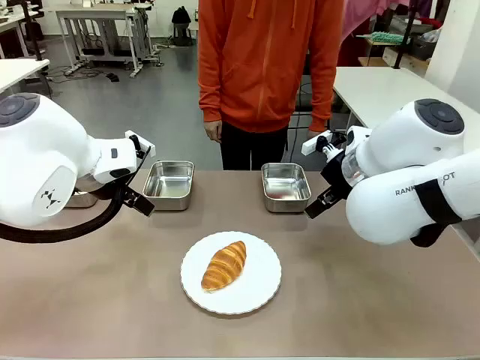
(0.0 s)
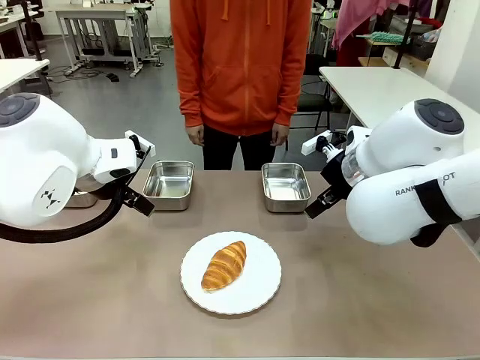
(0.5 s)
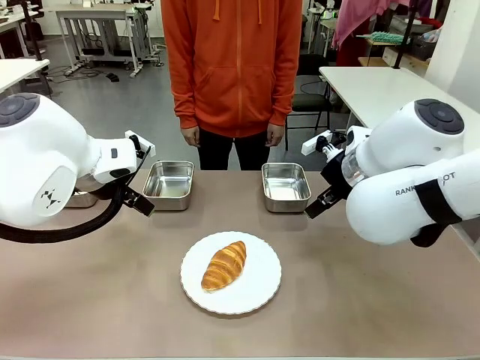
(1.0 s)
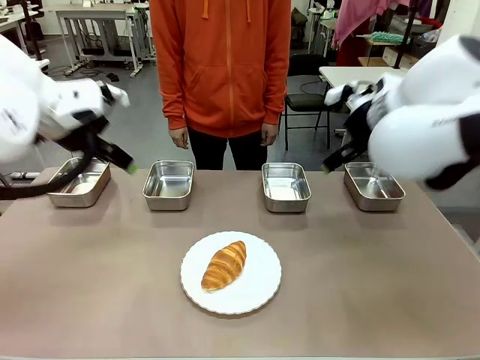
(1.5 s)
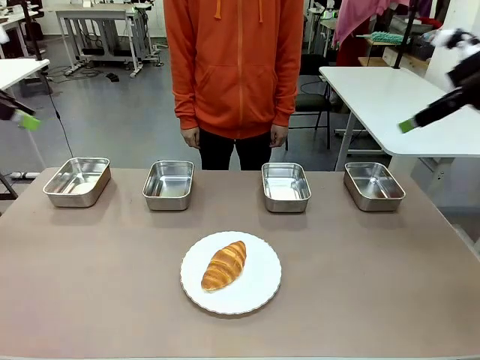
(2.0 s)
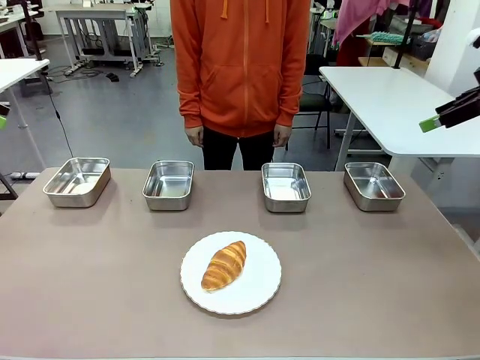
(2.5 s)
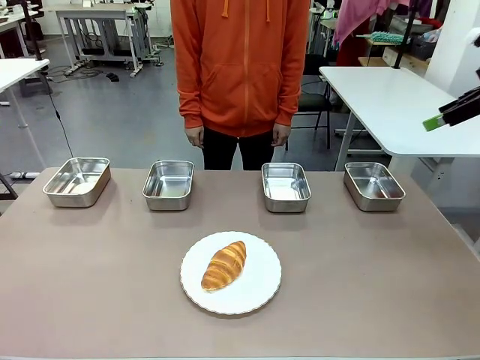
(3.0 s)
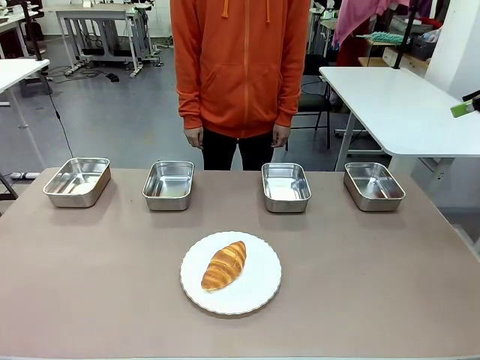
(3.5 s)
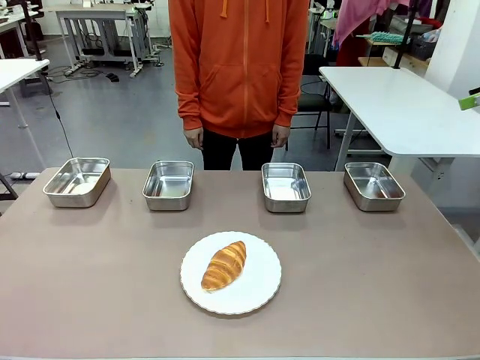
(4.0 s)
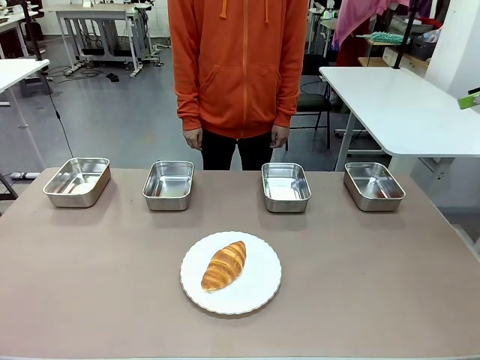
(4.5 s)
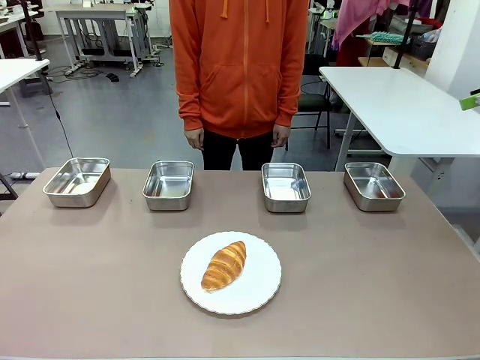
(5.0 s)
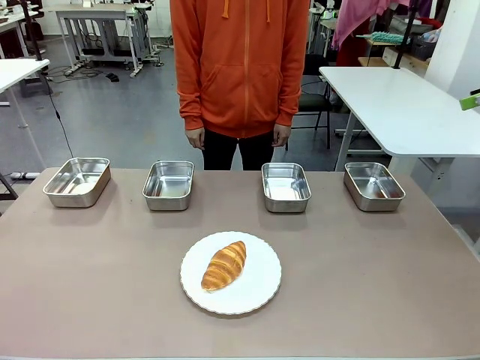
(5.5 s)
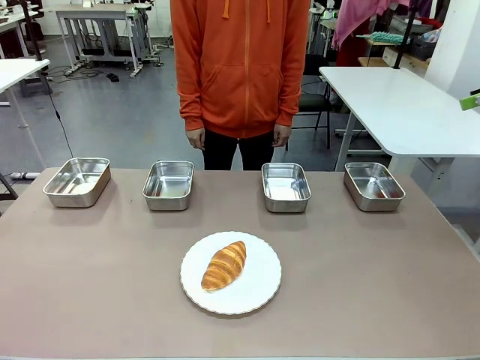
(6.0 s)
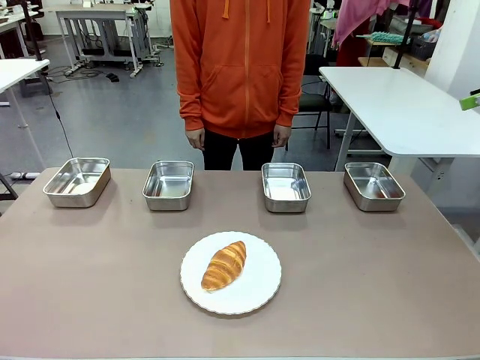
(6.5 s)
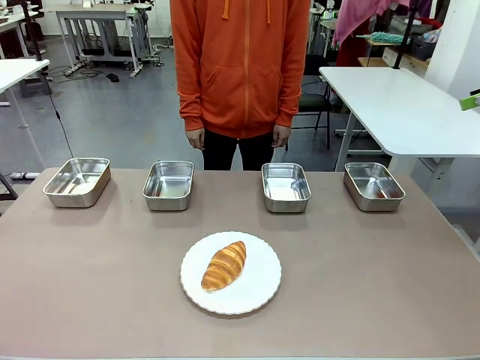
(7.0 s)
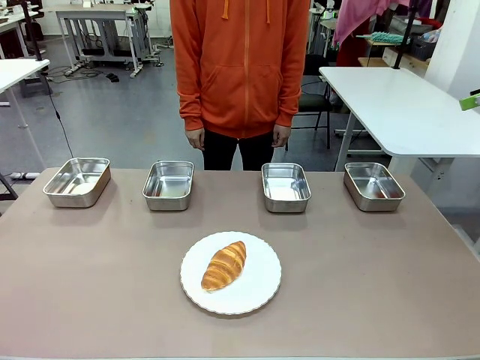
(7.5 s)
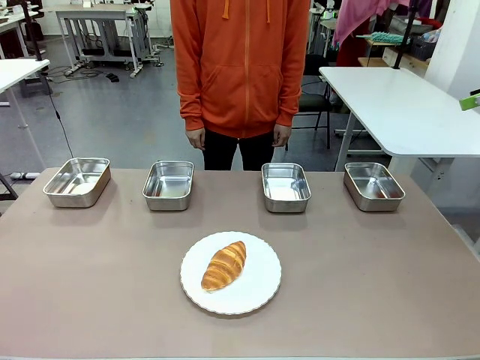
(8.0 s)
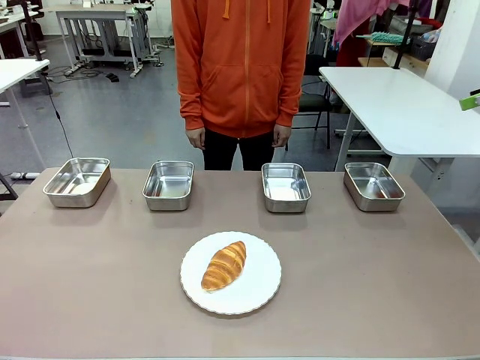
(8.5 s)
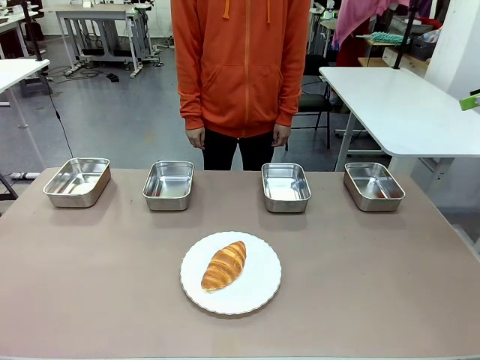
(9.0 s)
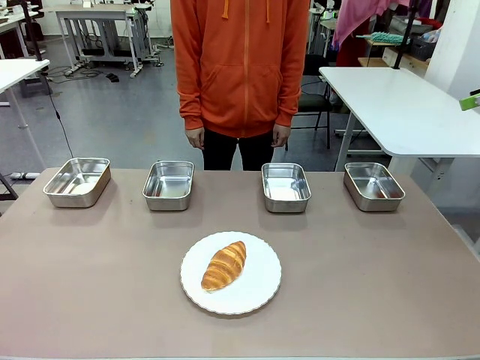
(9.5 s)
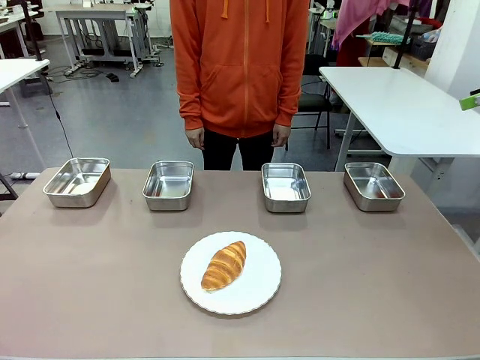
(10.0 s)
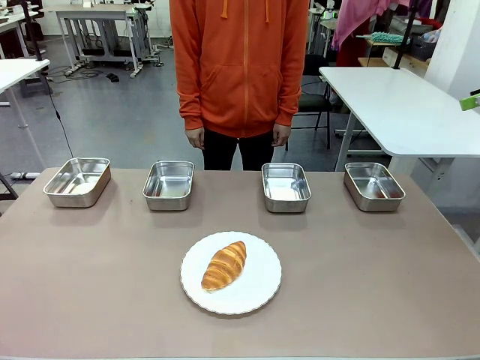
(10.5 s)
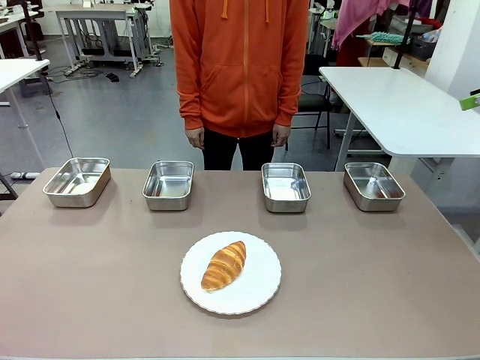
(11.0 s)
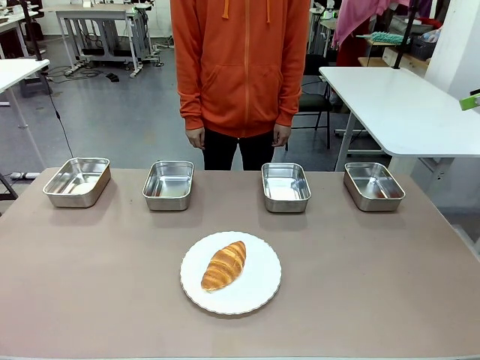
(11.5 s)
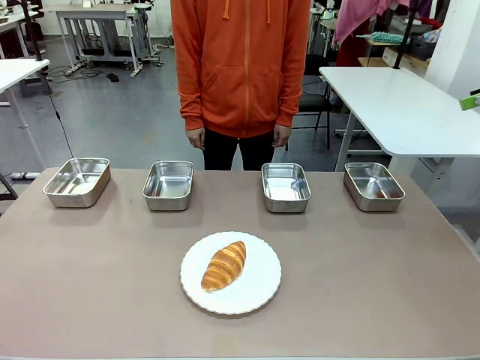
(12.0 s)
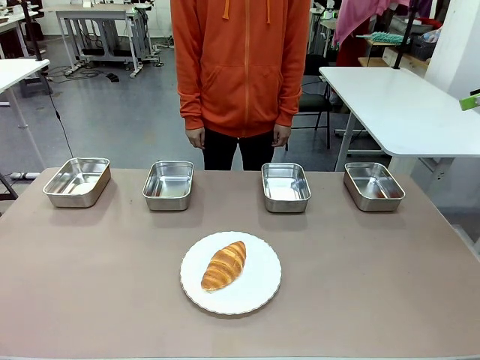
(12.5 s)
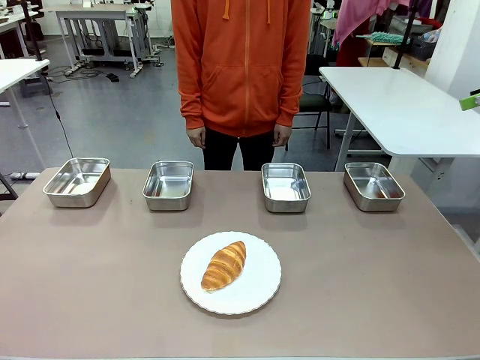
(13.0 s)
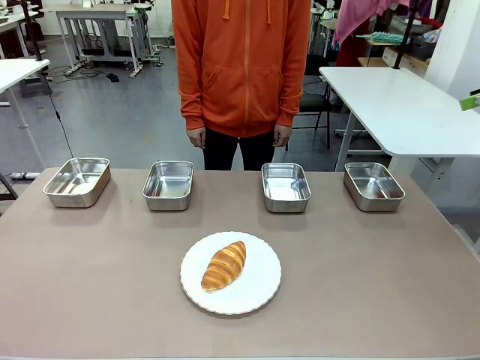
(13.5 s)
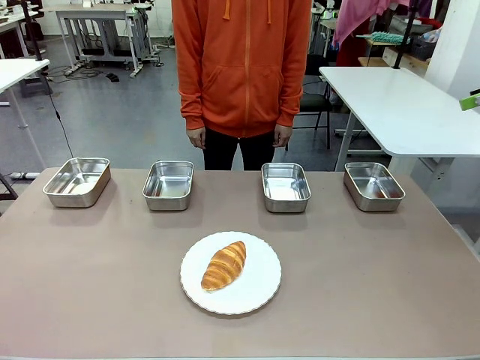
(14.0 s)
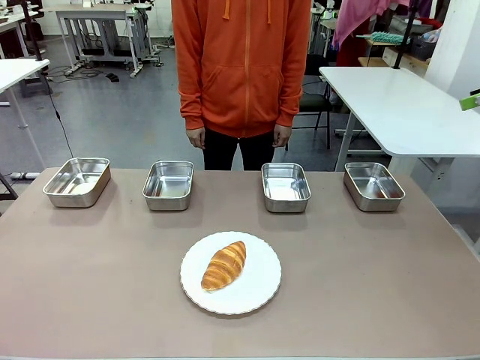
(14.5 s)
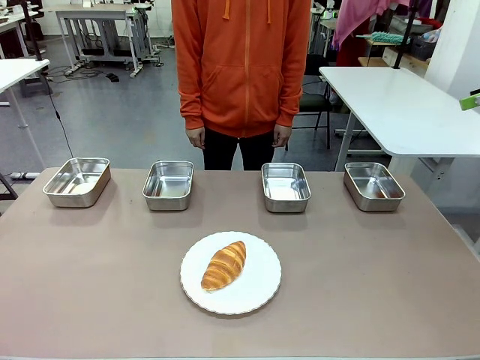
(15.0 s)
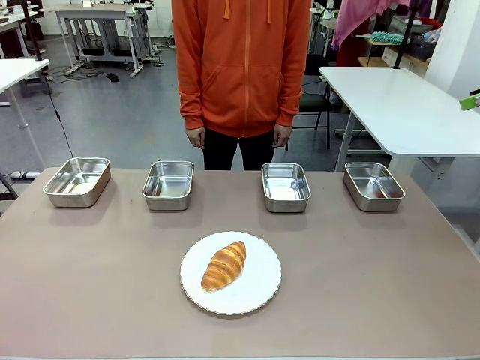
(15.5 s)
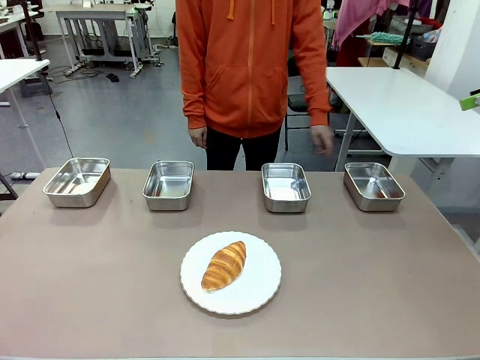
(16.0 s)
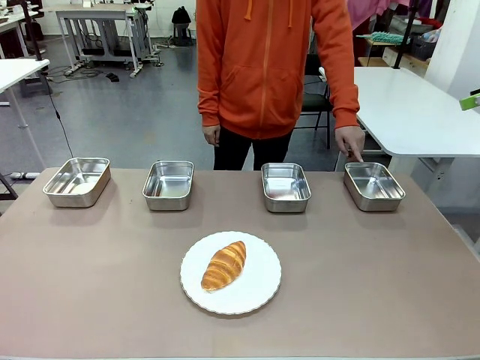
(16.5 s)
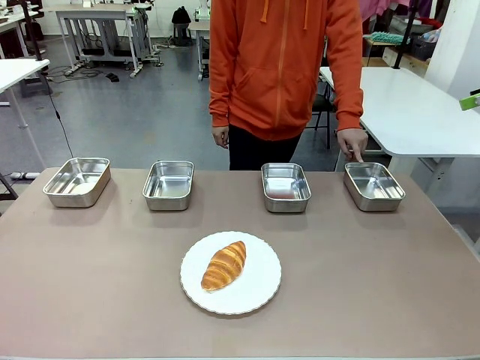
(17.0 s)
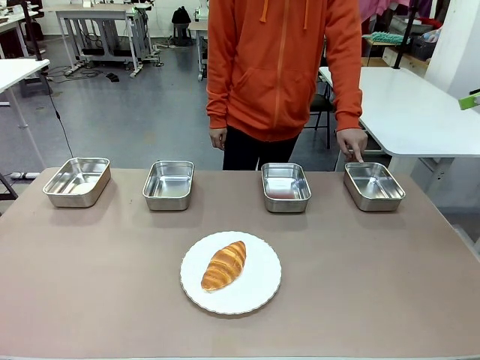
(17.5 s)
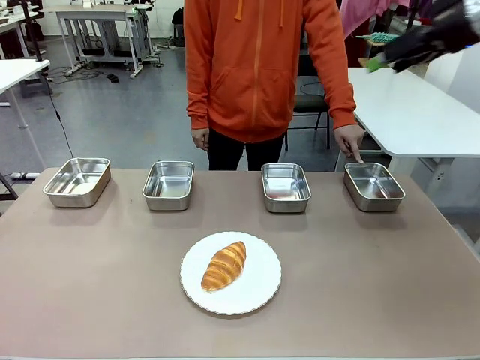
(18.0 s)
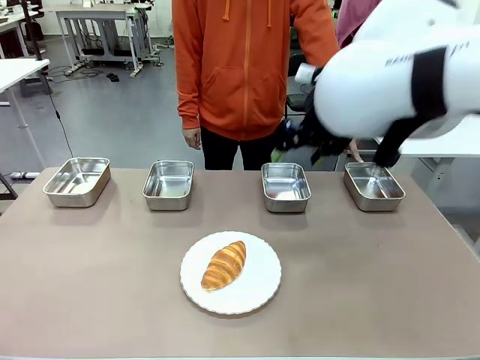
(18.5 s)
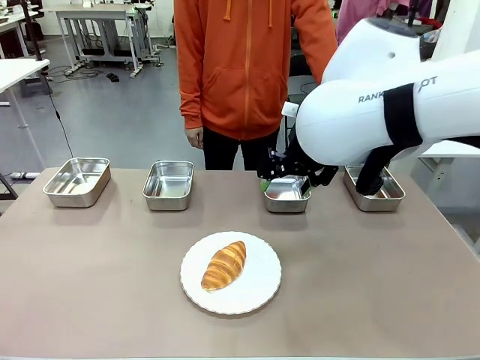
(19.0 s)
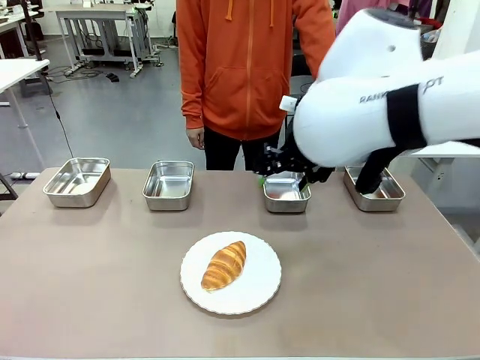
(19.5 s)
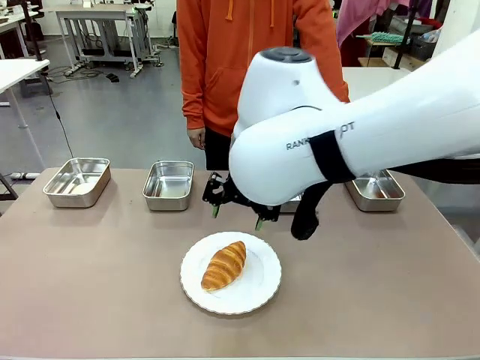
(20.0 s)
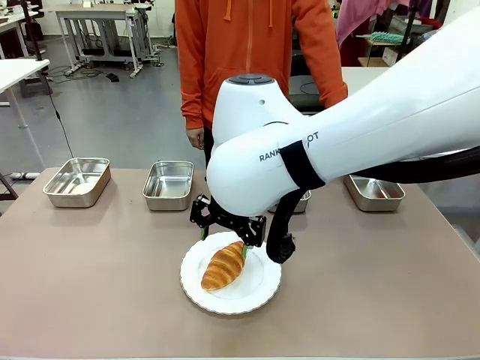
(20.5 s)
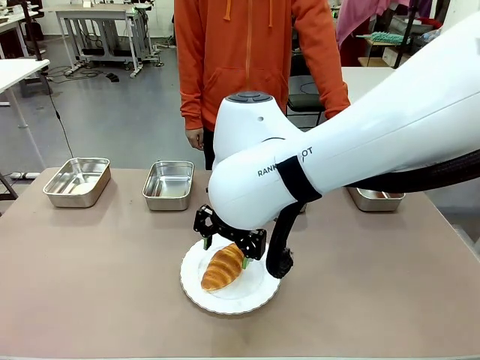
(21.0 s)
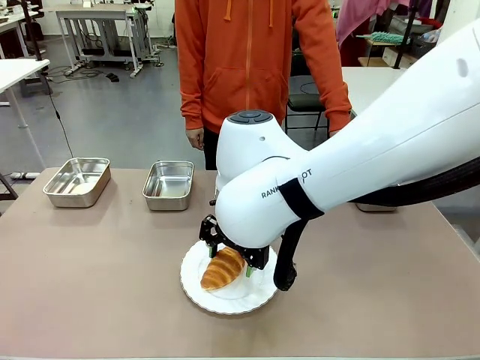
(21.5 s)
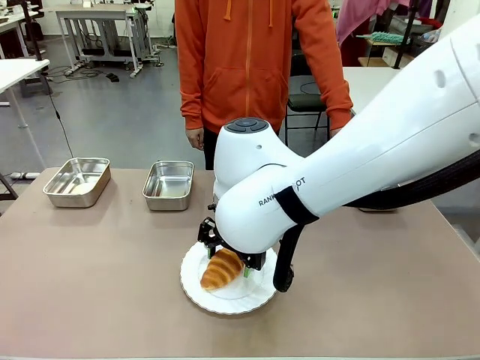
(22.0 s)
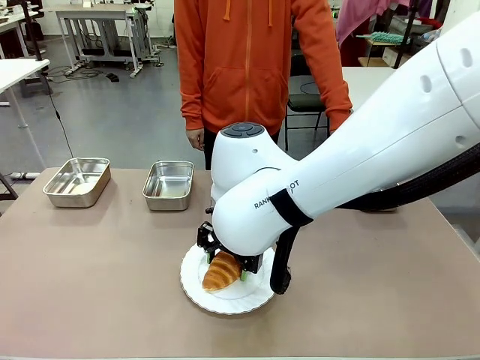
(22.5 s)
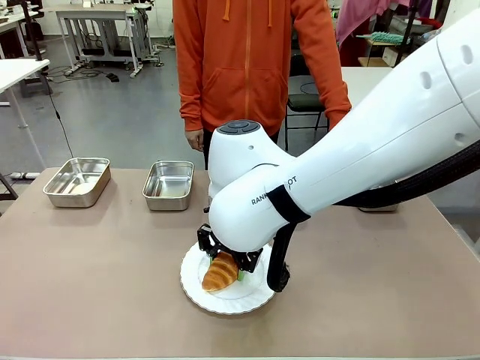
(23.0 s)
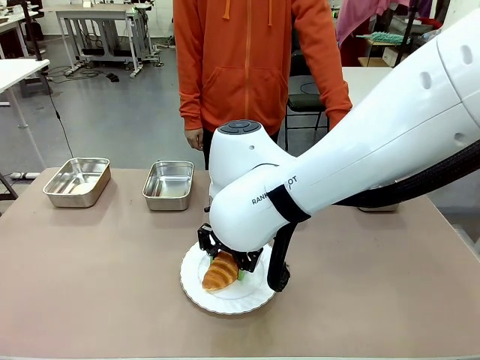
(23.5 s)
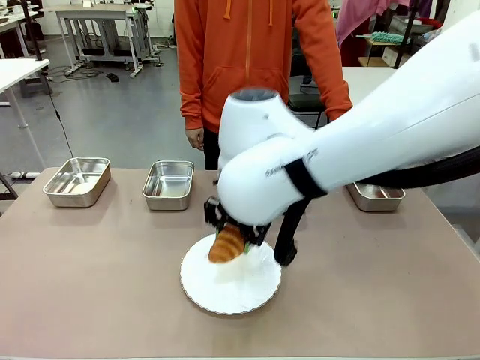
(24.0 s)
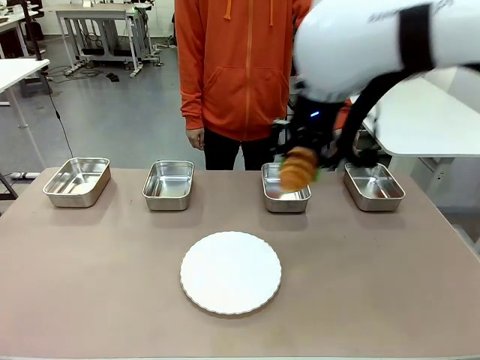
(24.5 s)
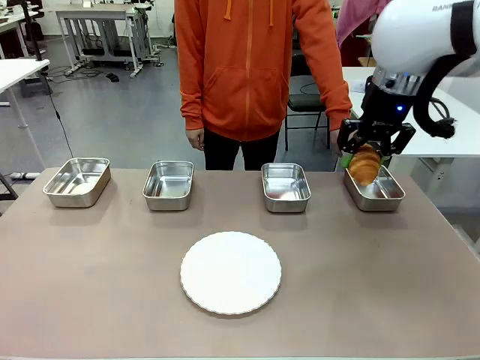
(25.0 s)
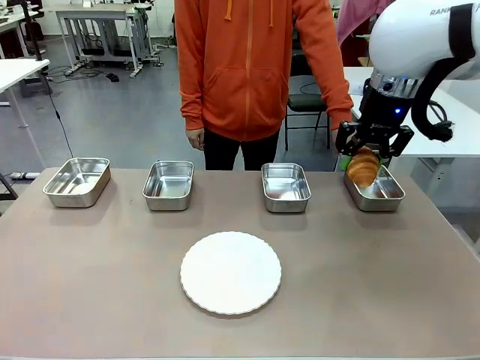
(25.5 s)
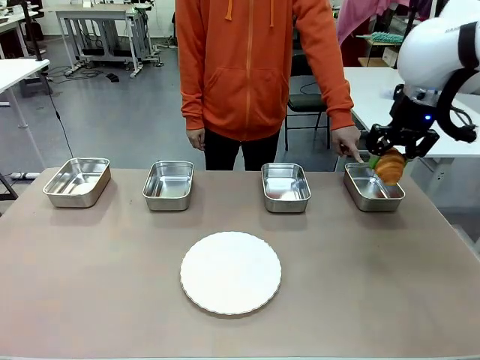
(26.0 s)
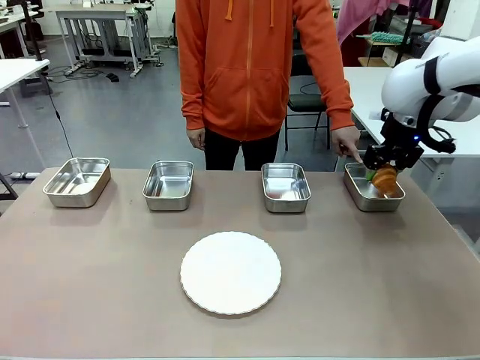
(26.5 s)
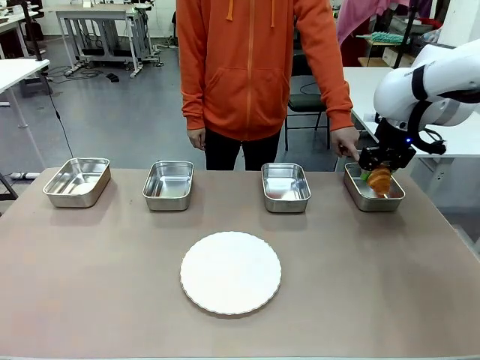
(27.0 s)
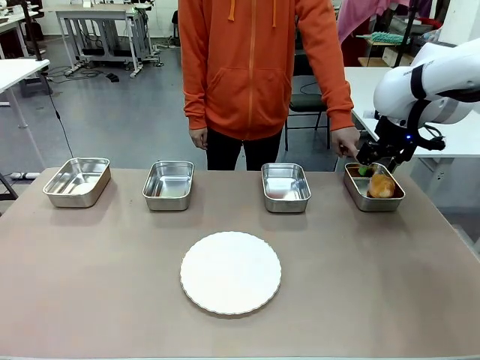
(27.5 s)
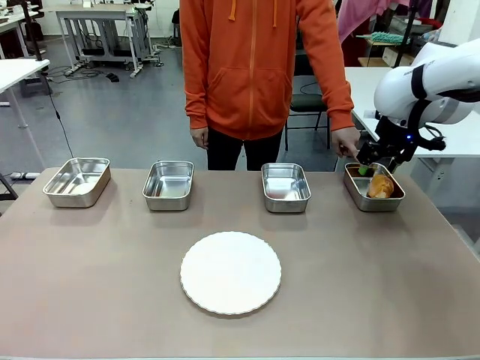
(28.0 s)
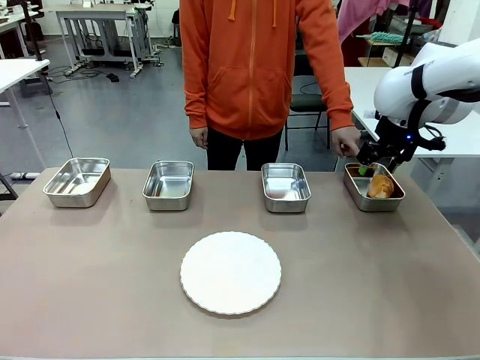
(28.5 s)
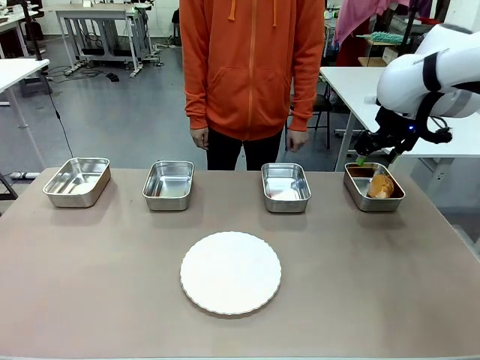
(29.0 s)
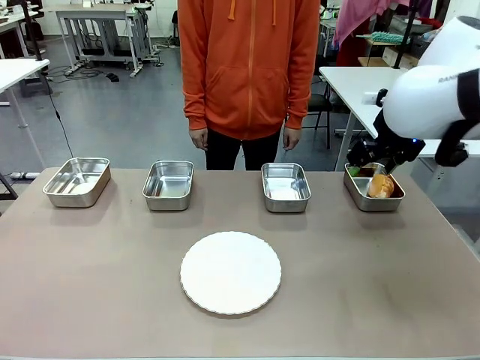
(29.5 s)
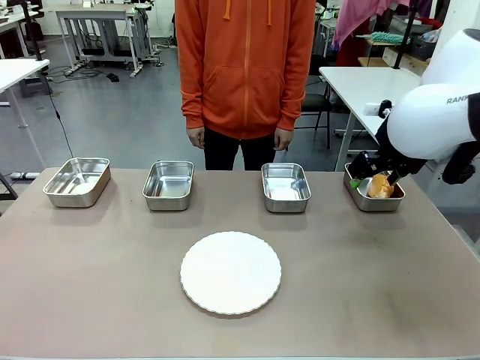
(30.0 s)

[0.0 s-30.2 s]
Task: Place the bread in the container.
Robot: Place the Butter Roll into the Airtight Container indicated by the human.
Person: A person randomly selects and points to an Airtight Container.
